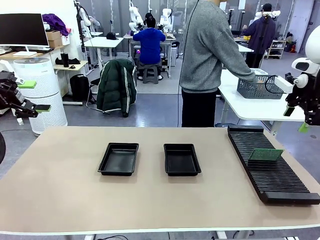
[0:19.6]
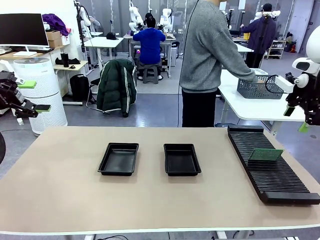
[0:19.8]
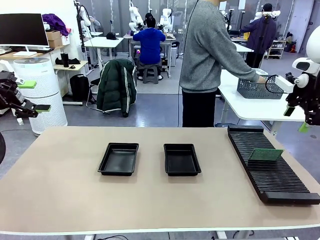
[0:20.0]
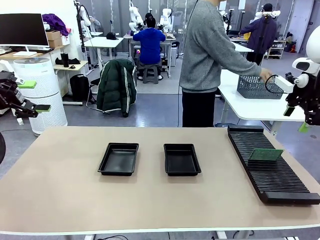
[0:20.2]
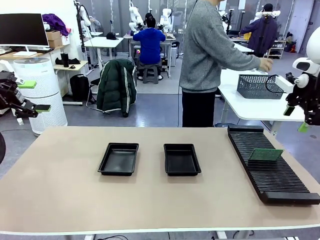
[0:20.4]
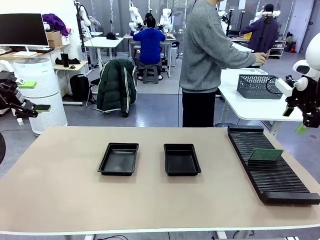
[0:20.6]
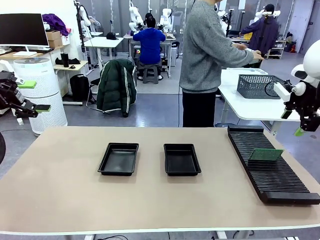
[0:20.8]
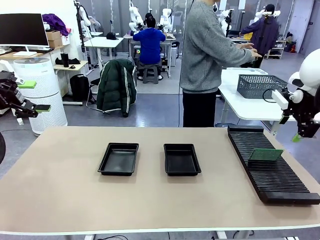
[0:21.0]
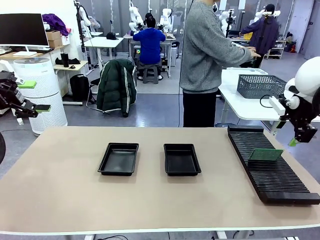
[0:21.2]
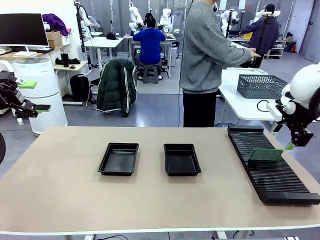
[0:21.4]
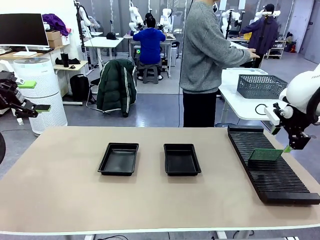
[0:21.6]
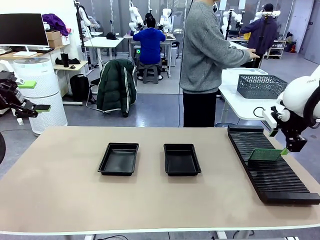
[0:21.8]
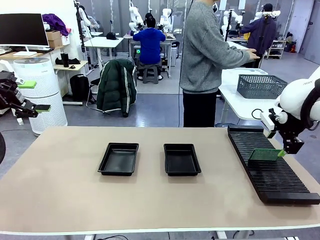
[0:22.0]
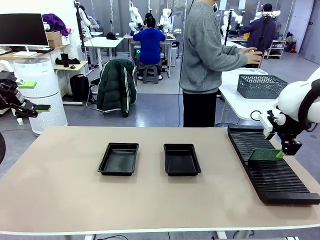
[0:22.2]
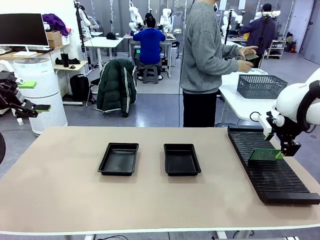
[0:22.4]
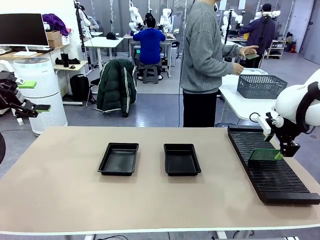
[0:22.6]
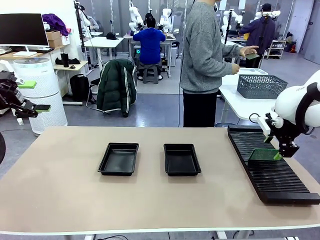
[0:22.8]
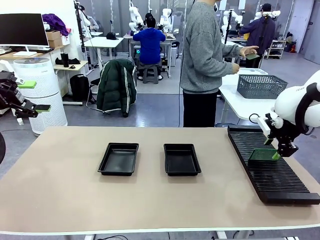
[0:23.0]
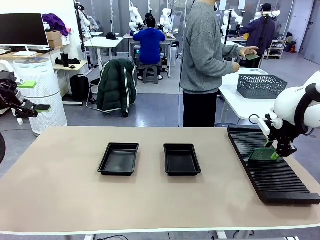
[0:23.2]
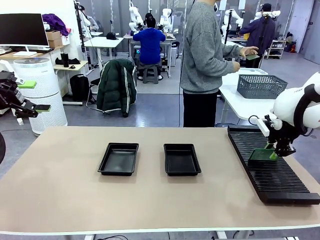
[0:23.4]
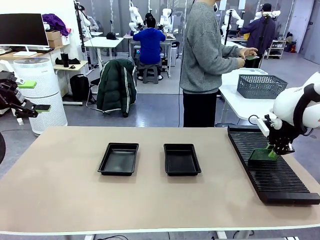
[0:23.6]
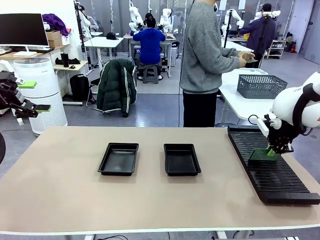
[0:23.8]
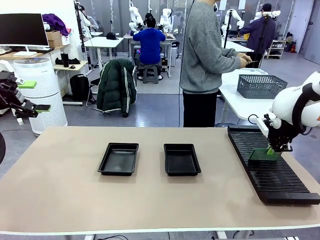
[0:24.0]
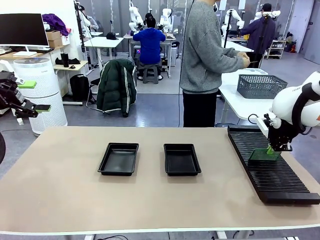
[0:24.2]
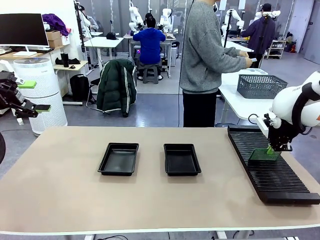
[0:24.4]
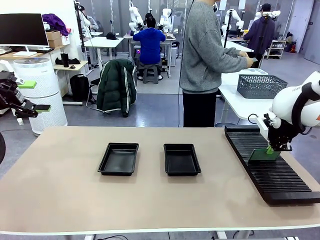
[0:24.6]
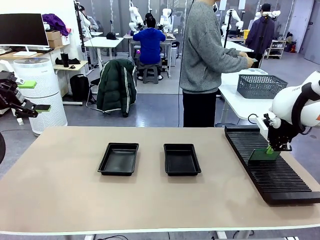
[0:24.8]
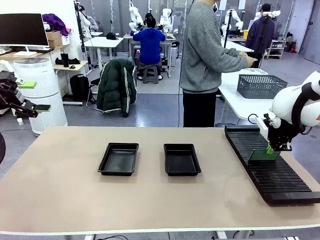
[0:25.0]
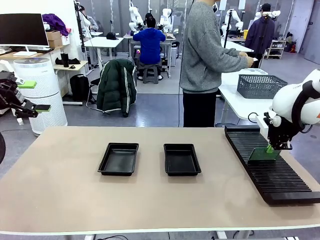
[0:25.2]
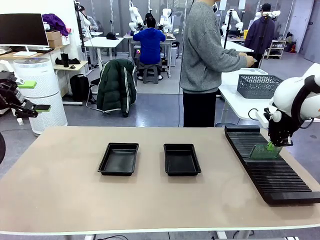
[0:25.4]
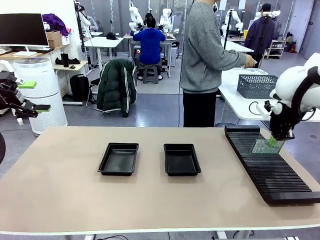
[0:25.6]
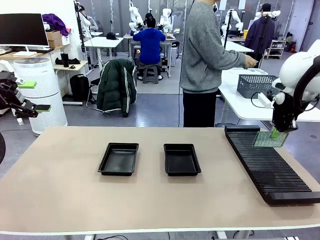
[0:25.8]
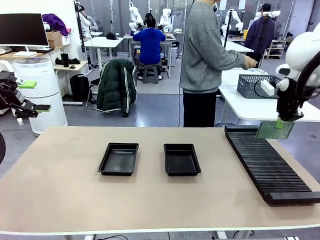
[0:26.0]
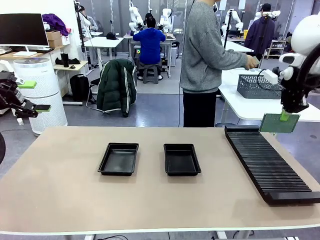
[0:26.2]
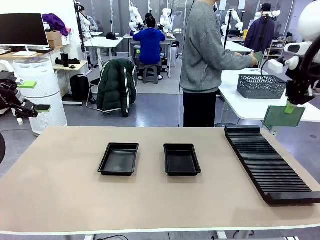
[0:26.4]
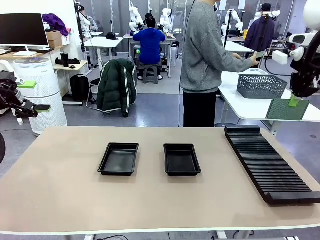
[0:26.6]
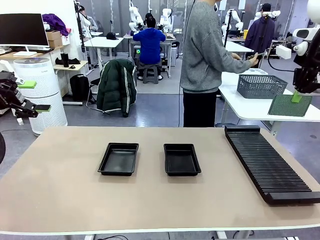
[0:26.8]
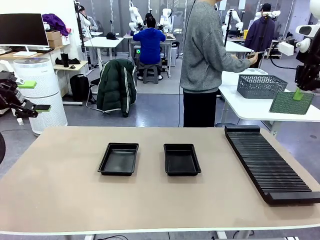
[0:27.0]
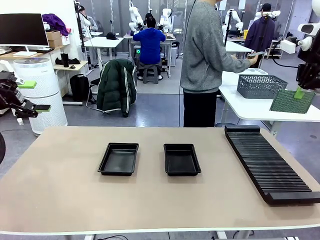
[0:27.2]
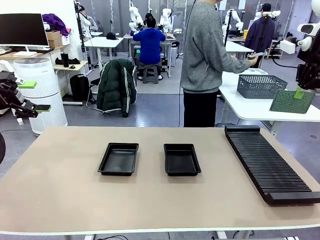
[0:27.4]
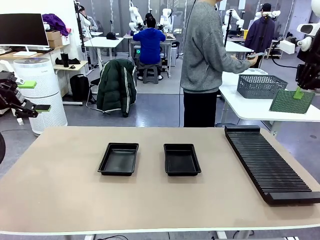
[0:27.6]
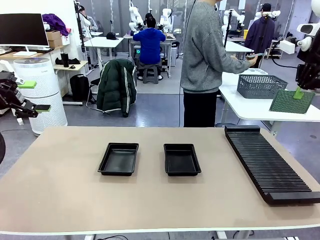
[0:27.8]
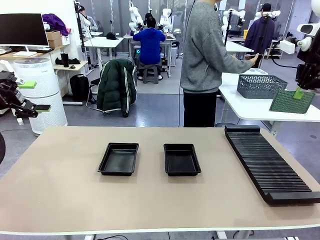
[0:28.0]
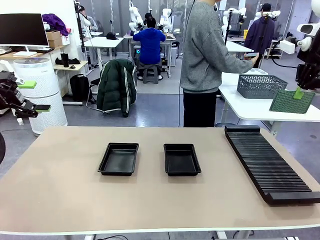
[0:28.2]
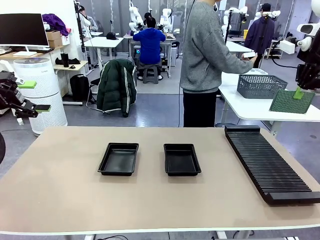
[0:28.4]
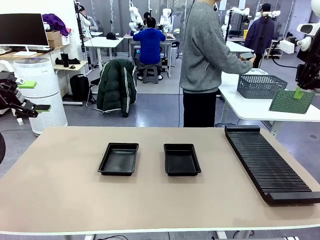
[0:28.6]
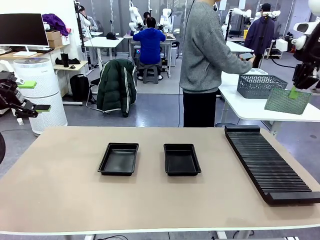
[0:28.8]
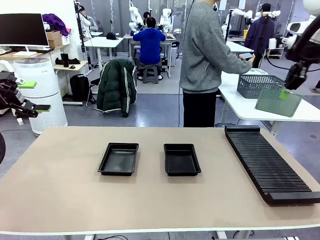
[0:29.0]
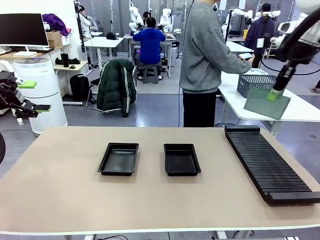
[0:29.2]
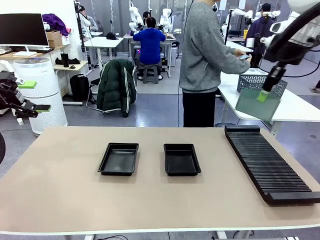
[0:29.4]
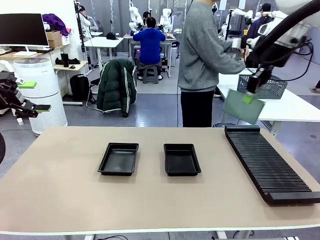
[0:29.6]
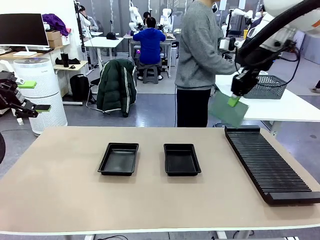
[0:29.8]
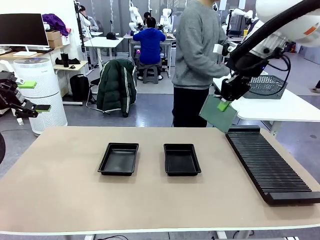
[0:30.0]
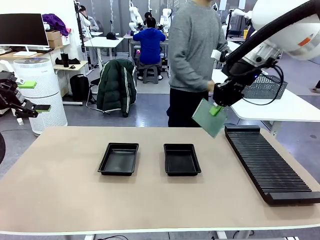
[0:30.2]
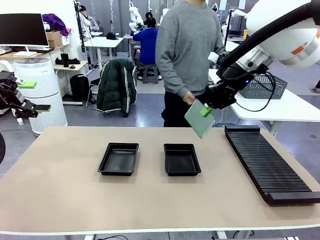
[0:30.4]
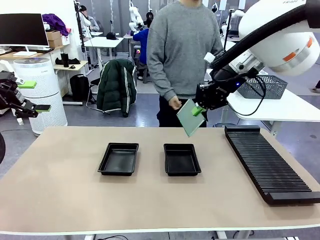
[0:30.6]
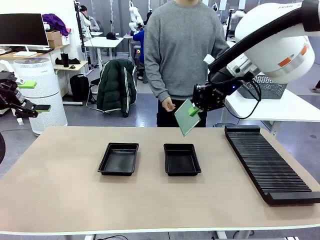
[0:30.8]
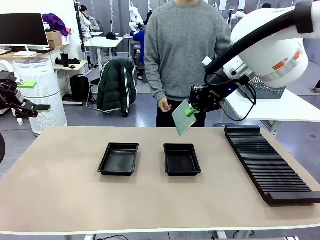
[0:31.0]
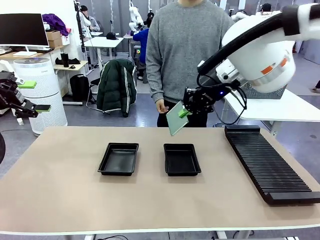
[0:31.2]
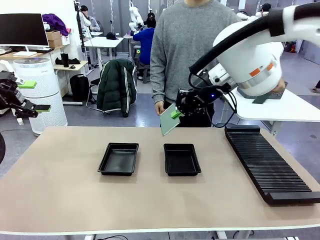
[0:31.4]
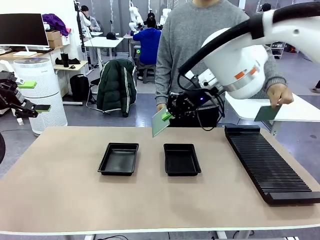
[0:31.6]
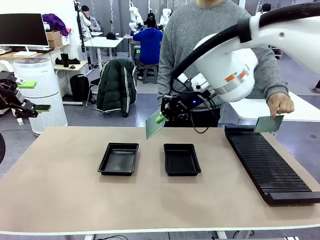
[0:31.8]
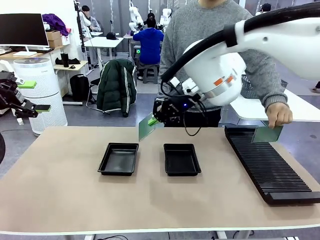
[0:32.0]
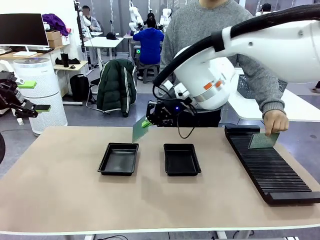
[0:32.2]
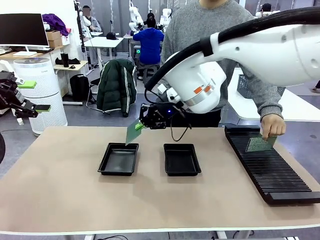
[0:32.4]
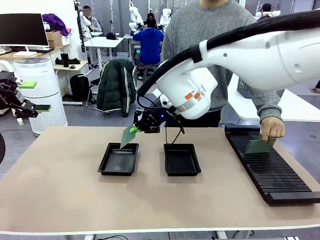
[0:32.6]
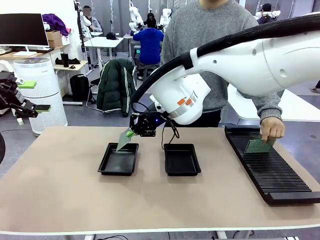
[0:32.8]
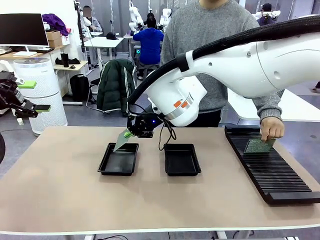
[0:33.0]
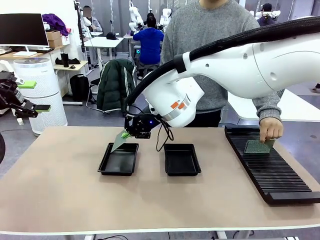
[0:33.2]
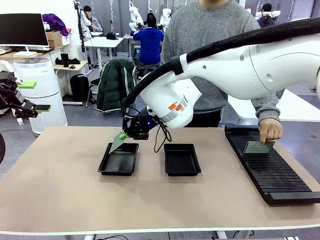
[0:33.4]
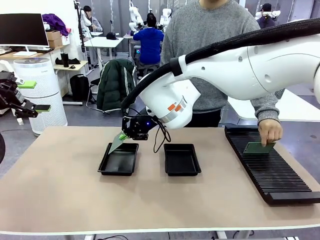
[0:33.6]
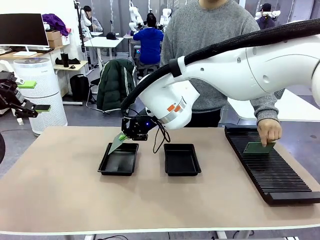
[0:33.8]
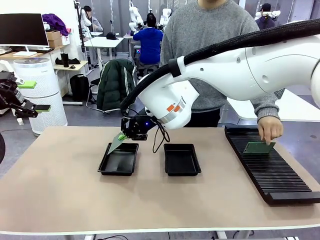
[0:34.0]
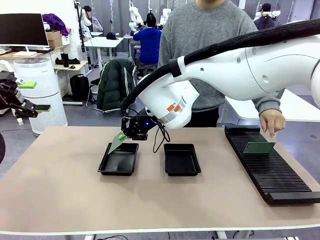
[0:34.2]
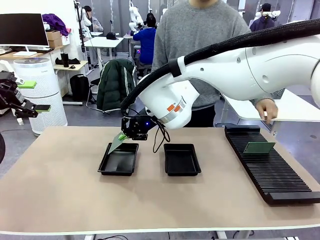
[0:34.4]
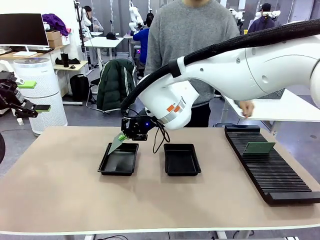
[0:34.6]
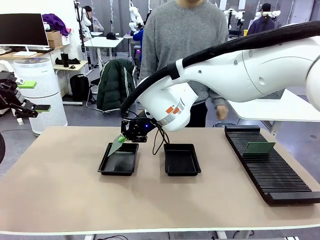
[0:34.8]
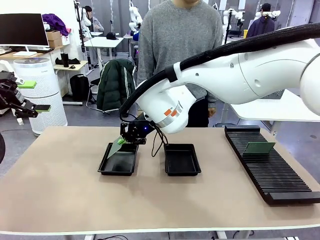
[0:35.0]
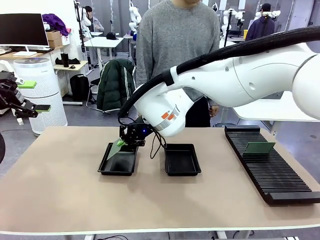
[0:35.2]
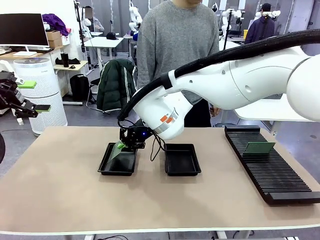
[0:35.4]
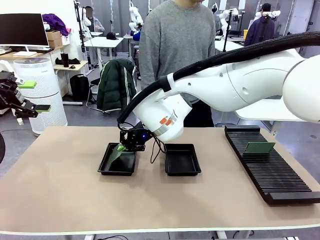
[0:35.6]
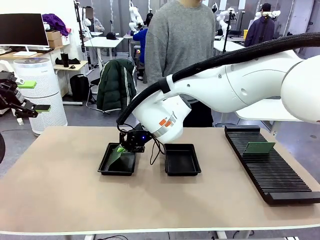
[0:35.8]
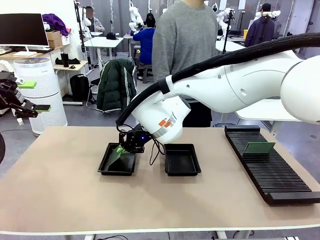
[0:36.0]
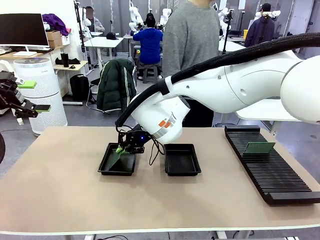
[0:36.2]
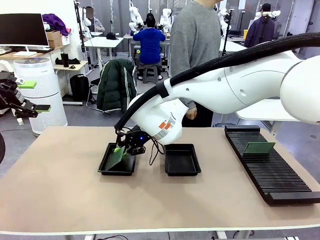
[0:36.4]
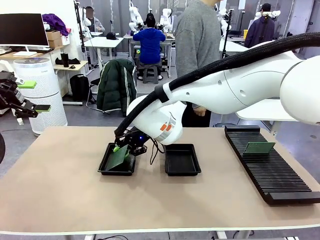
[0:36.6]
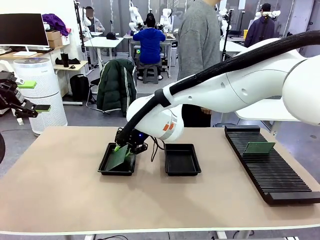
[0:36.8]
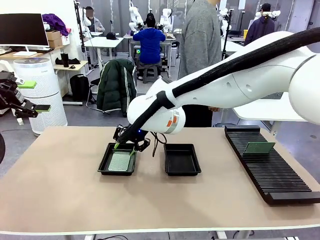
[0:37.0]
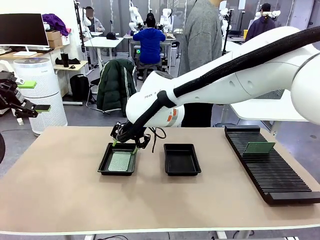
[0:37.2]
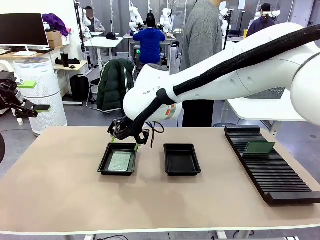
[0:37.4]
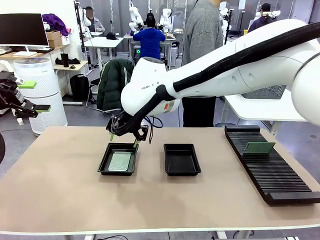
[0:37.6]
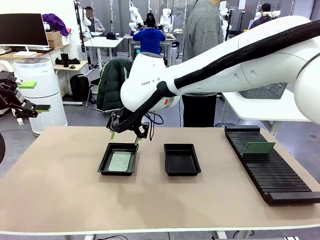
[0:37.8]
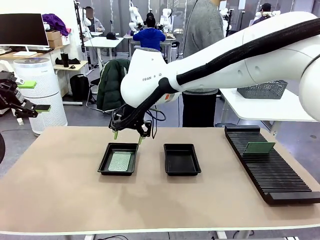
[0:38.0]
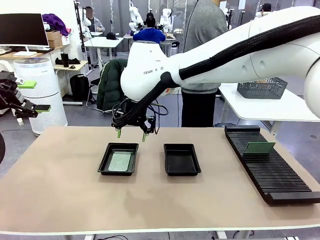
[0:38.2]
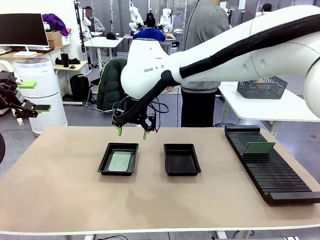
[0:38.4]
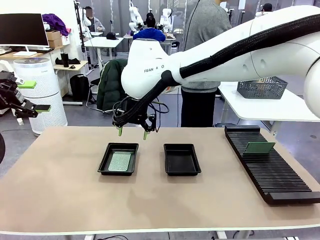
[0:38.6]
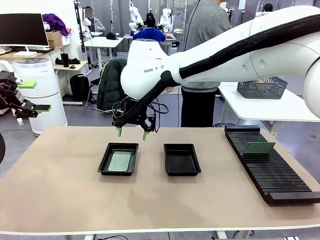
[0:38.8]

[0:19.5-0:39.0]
Task: Inspect and transfer BCBs to ESD trays.
Robot: Pick up the Blank PCB from the PCB Rack and place it in the left ESD tray.
